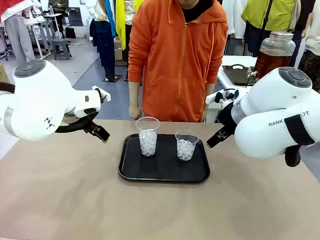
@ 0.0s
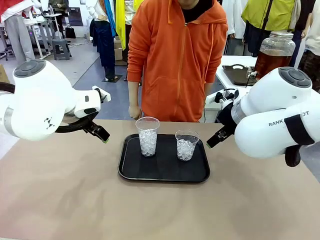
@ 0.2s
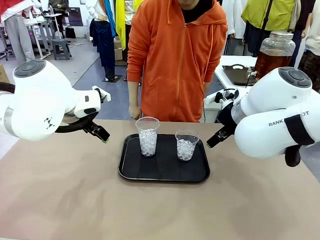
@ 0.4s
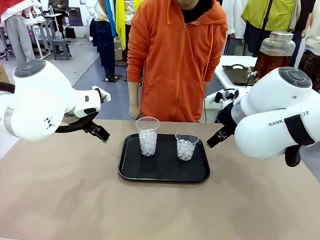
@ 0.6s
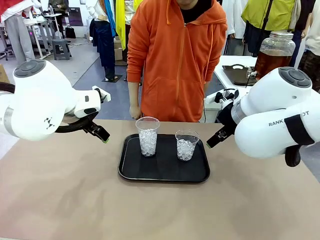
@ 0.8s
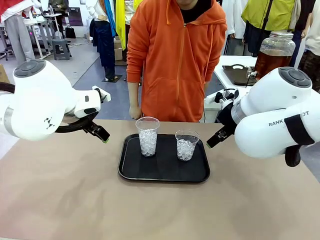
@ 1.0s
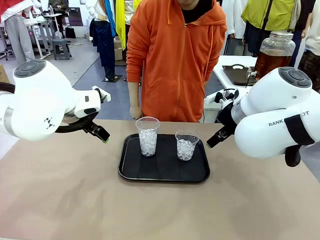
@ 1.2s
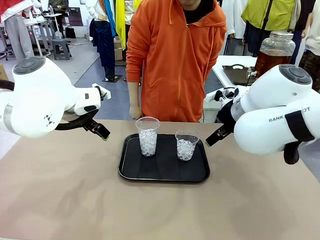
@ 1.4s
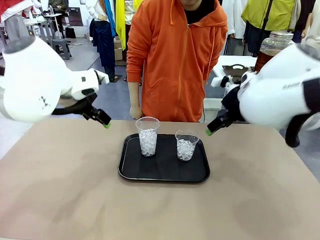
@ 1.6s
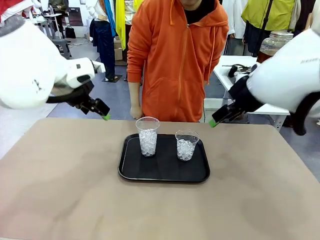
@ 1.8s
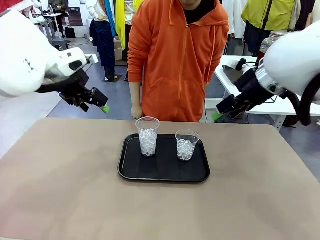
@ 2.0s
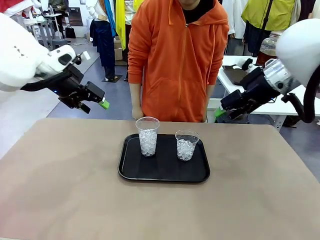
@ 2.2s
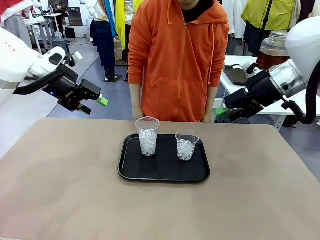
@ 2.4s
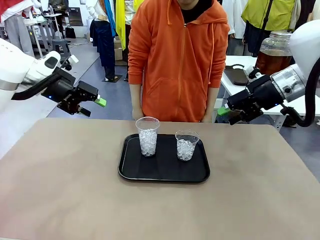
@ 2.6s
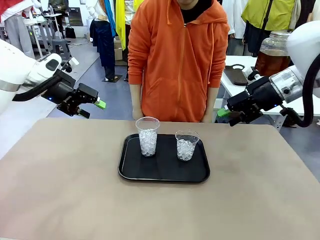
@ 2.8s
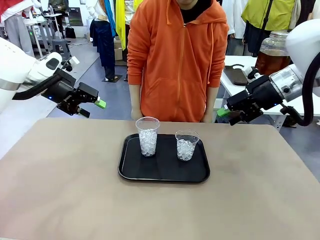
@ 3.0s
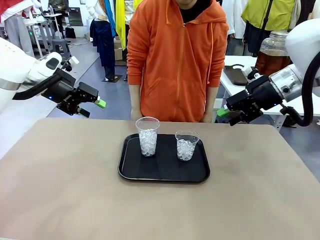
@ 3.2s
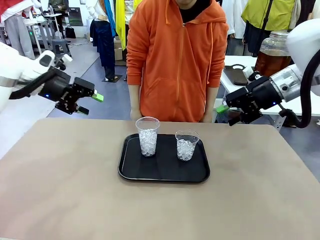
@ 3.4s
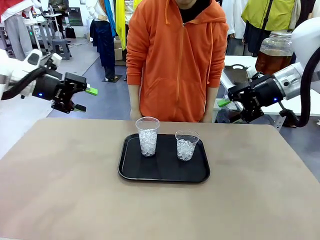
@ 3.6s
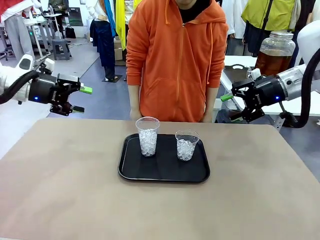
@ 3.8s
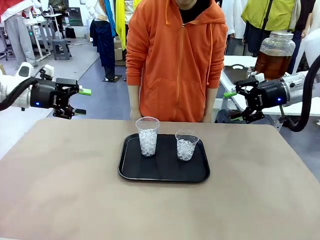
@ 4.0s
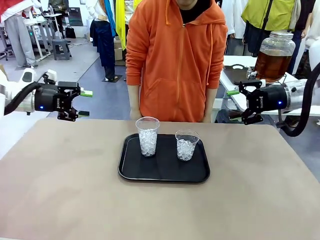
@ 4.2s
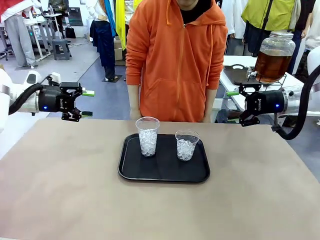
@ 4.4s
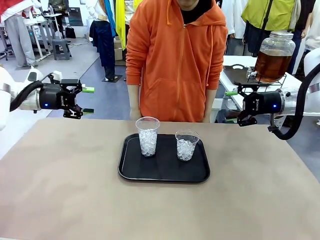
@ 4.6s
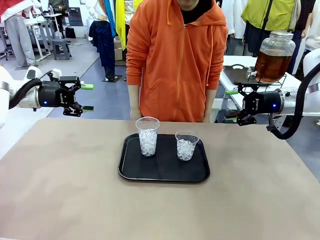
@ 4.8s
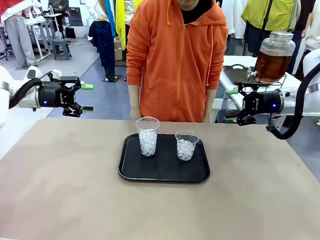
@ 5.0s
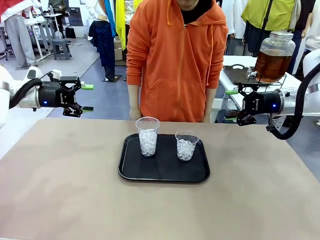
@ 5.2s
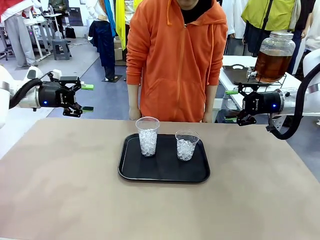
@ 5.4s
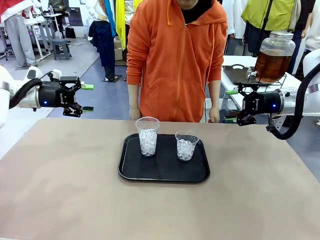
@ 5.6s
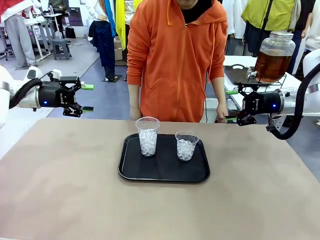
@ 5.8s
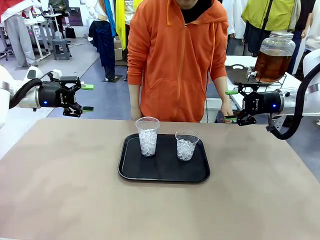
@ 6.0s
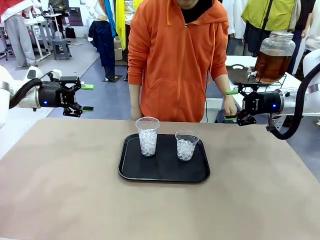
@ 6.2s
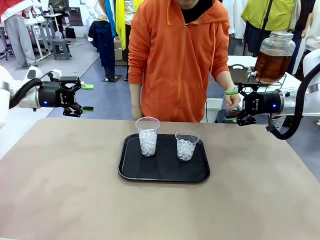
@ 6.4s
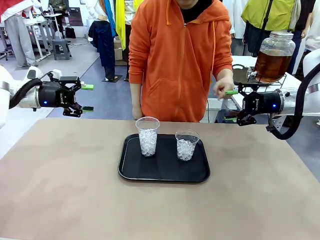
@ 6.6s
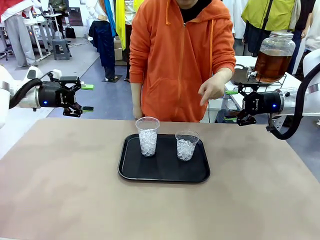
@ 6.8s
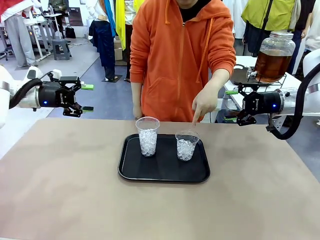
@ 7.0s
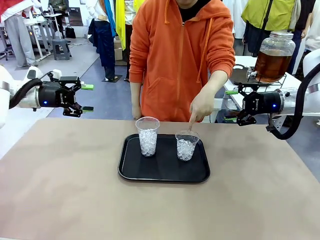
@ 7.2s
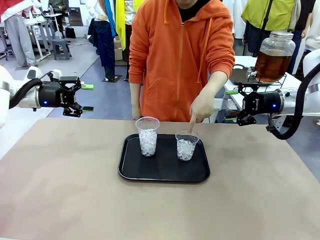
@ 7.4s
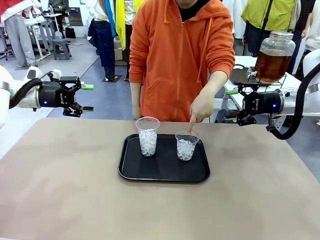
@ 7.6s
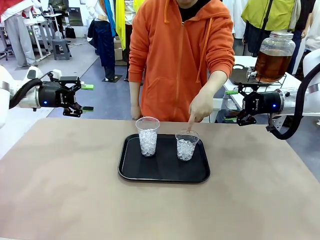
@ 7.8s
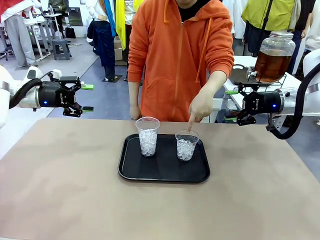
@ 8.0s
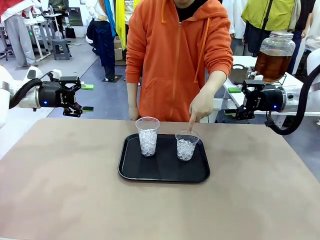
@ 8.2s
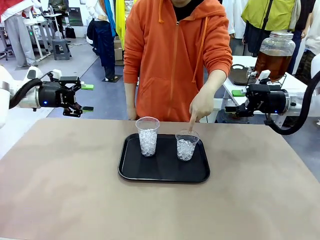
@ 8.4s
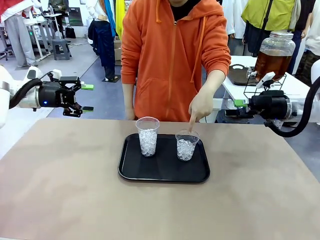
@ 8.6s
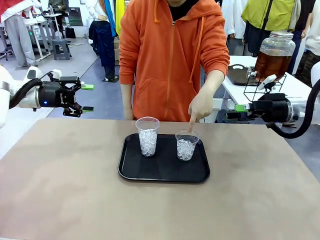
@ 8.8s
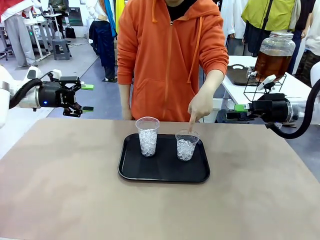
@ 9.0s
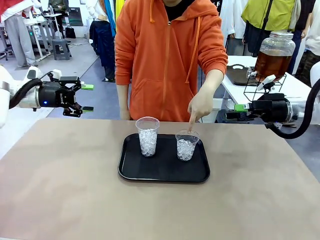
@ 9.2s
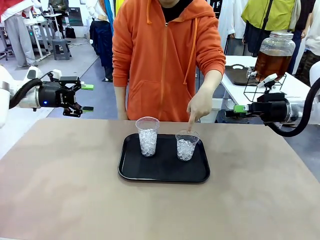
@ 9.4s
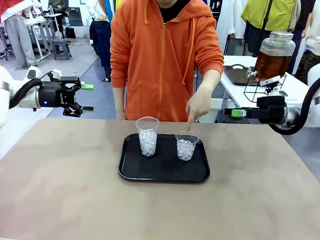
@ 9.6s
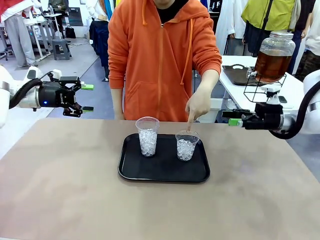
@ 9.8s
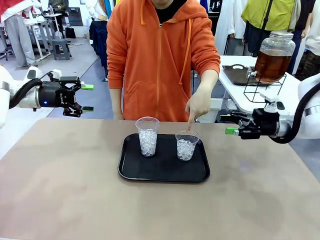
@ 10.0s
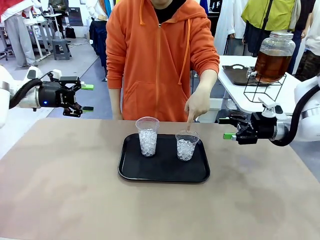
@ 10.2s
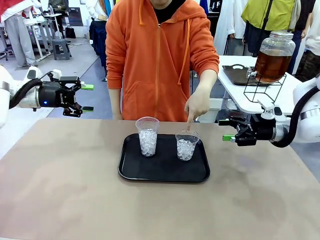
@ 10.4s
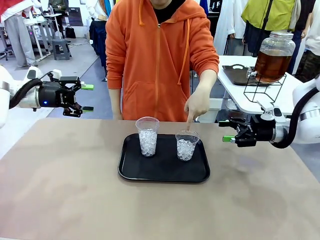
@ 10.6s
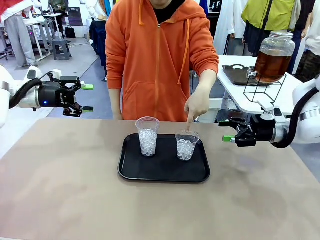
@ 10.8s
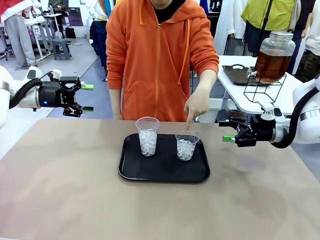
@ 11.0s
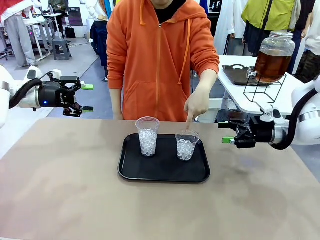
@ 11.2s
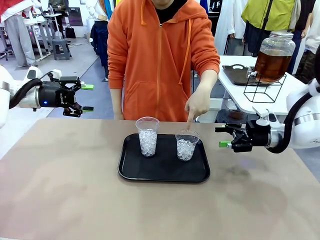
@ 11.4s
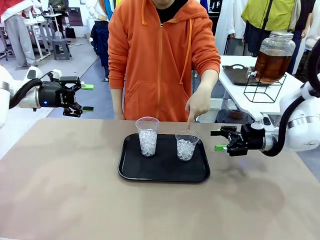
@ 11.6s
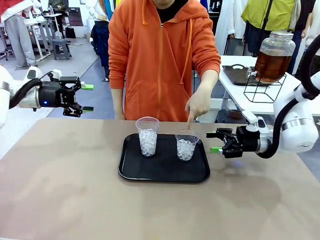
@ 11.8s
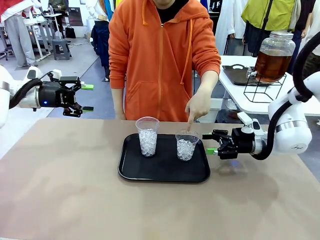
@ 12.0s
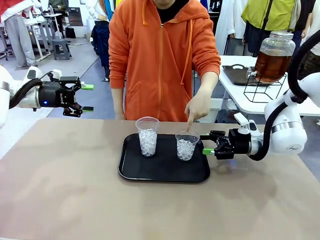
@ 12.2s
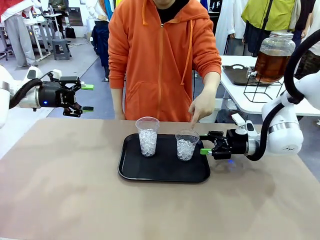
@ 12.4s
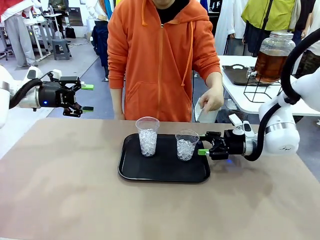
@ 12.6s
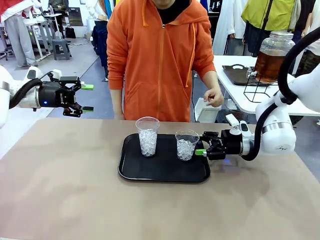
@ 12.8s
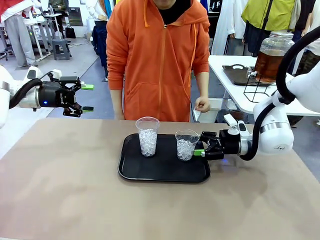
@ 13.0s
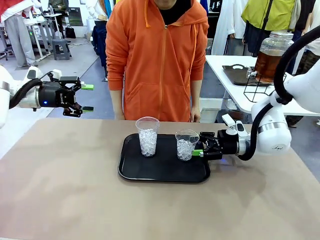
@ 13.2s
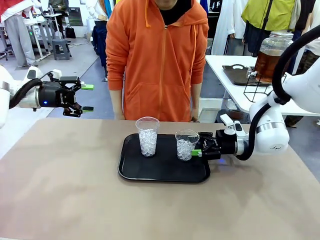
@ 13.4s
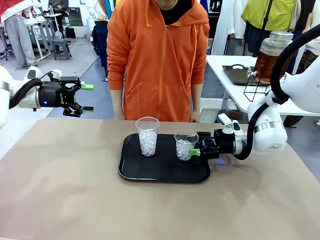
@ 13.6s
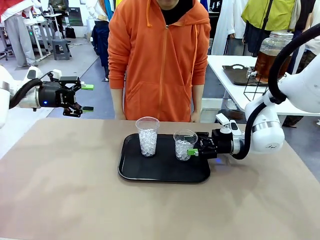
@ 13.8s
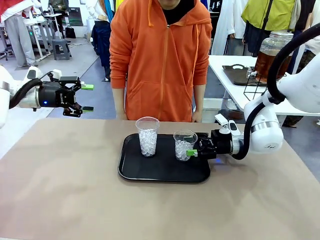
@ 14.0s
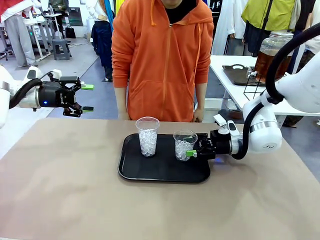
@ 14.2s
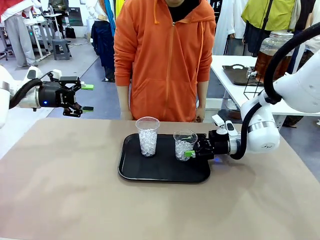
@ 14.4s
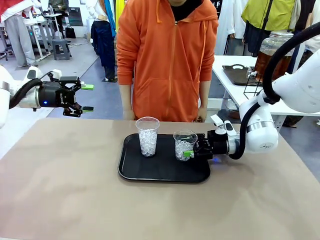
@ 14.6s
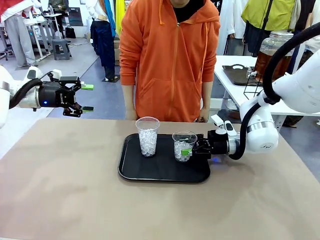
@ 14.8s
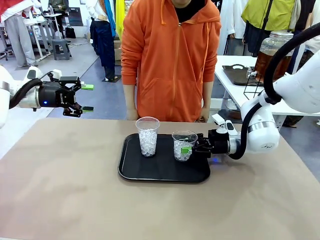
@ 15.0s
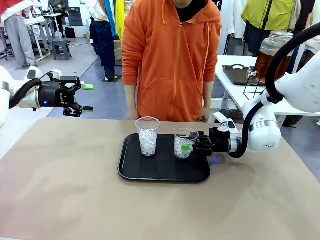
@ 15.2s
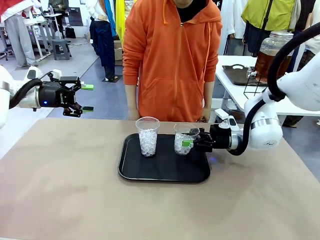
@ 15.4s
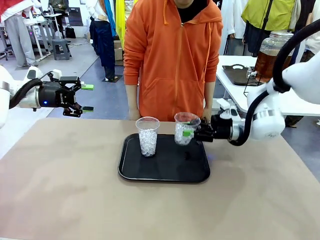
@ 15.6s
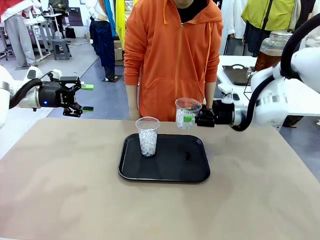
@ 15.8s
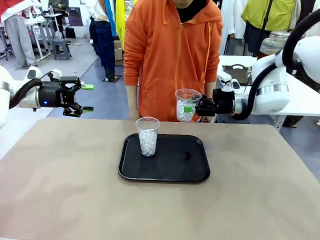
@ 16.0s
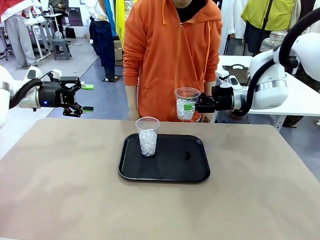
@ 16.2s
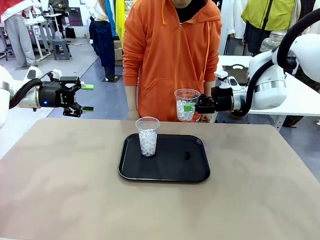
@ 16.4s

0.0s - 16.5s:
Task: Pour the drink into the iced cup.
Robot: Pick up the iced cup indicated by the human and present it to them.
Person: Point to one of the two ice cups. Pick up the cup offered by the robot.

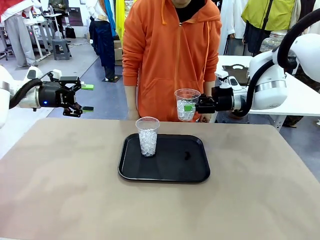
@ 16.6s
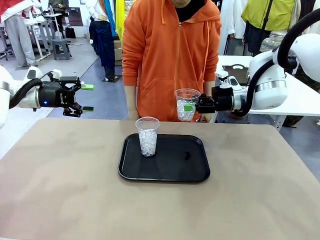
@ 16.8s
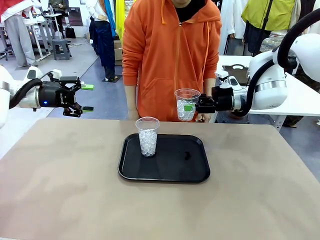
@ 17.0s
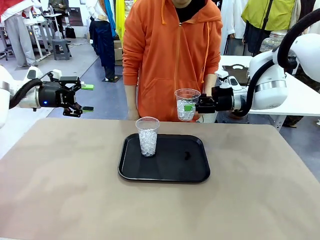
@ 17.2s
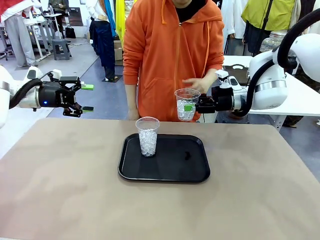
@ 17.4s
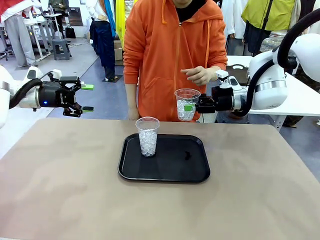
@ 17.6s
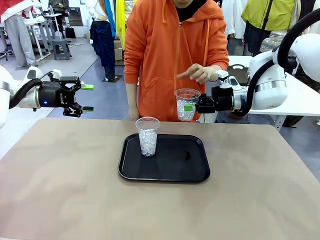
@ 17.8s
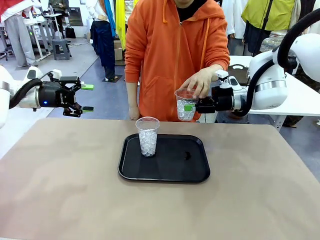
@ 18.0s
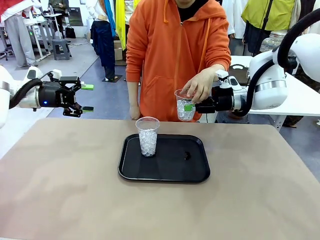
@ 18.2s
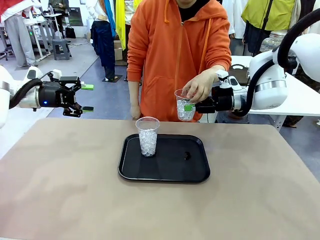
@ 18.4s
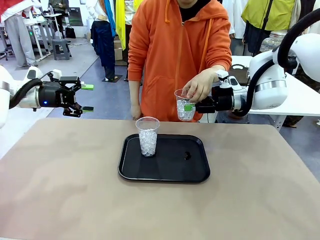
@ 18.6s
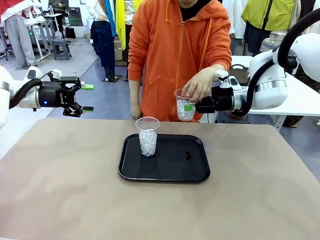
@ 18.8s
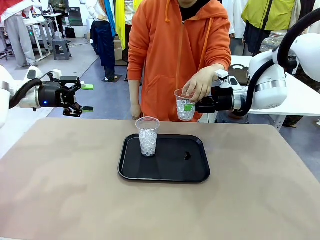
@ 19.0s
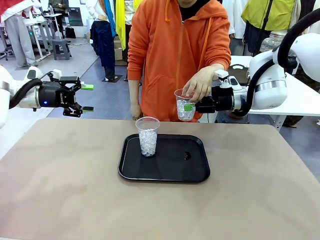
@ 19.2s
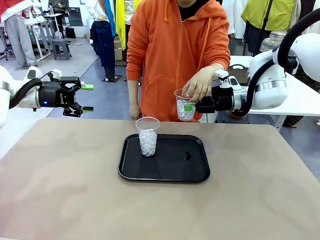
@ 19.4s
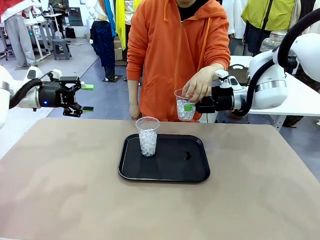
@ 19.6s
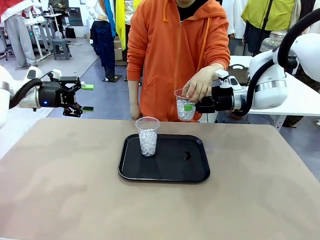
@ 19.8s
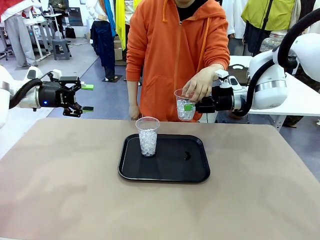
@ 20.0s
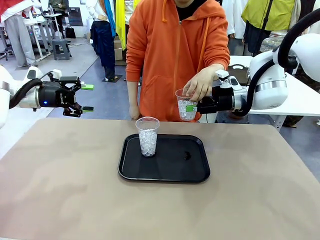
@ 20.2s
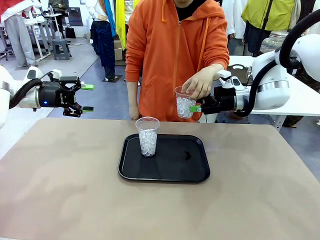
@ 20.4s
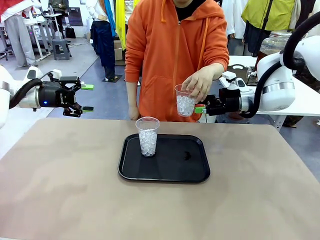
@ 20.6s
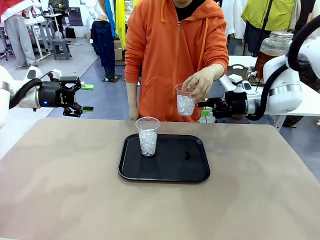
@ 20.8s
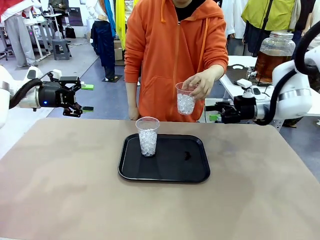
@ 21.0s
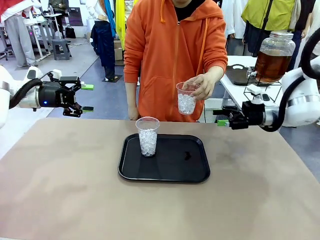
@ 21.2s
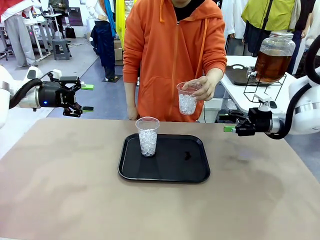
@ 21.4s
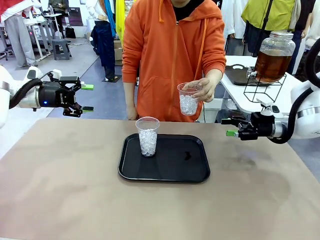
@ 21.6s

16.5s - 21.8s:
Robot: Open the gripper to release the iced cup you were holding.
